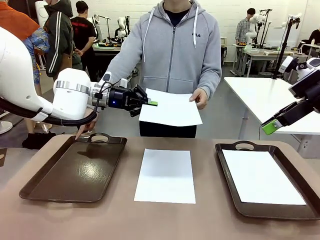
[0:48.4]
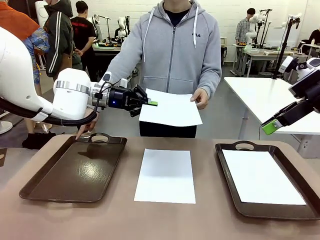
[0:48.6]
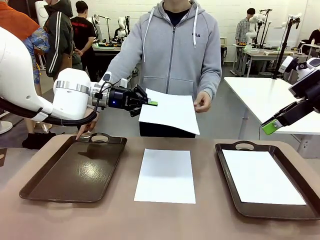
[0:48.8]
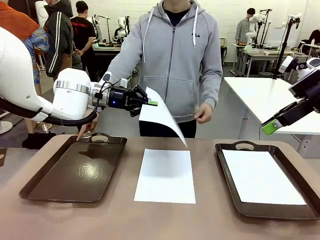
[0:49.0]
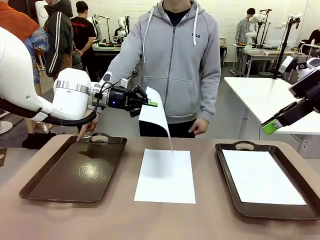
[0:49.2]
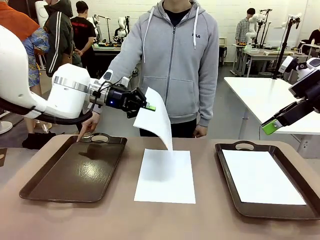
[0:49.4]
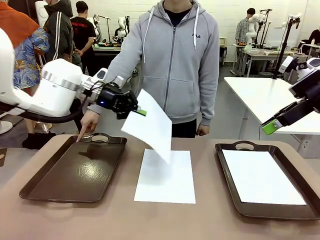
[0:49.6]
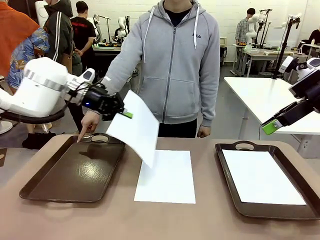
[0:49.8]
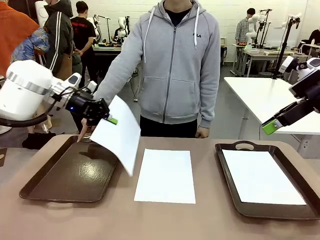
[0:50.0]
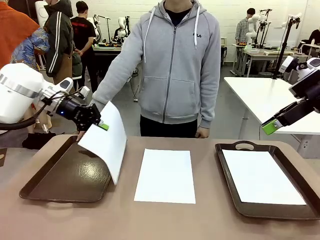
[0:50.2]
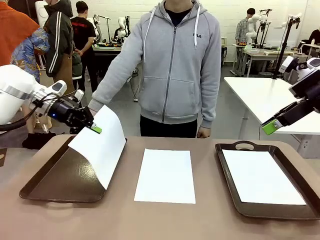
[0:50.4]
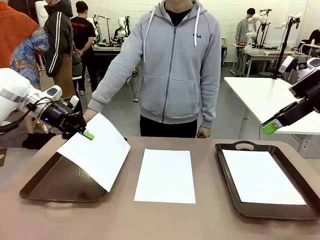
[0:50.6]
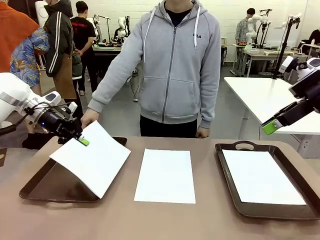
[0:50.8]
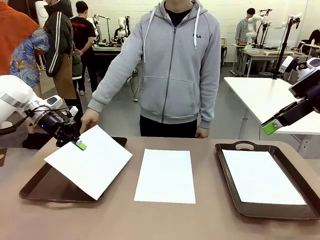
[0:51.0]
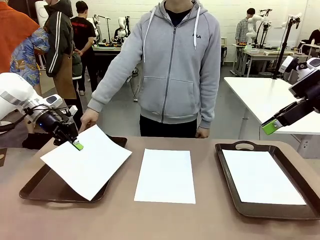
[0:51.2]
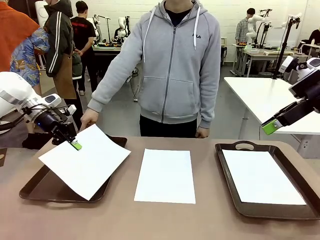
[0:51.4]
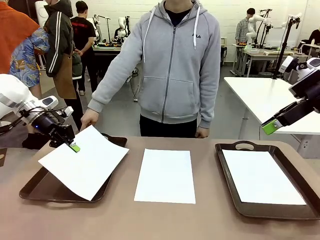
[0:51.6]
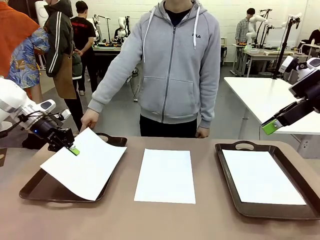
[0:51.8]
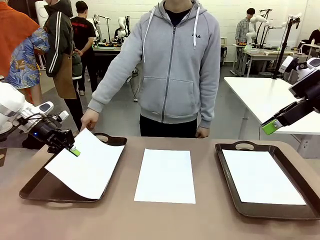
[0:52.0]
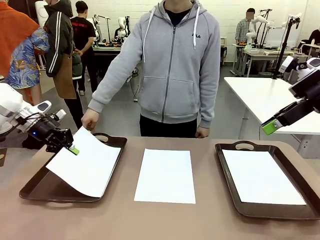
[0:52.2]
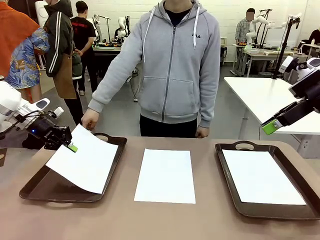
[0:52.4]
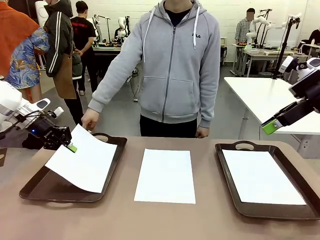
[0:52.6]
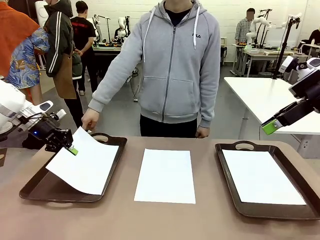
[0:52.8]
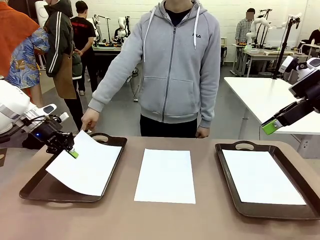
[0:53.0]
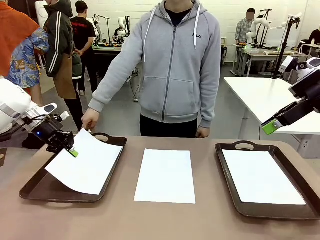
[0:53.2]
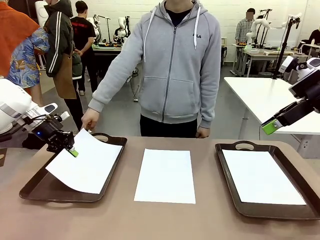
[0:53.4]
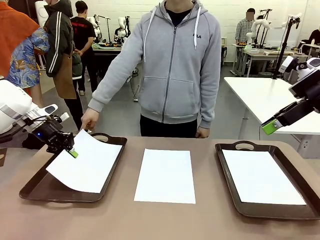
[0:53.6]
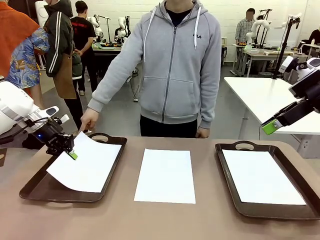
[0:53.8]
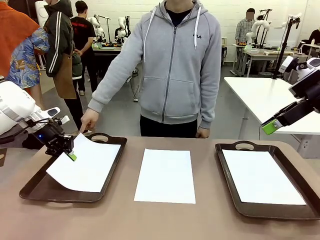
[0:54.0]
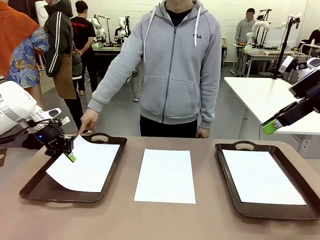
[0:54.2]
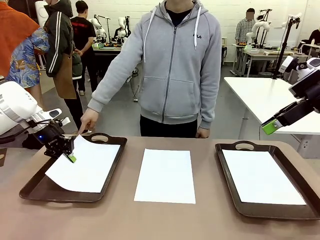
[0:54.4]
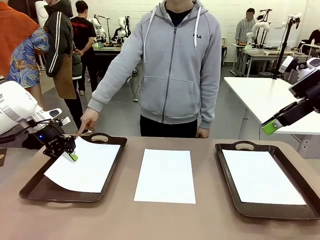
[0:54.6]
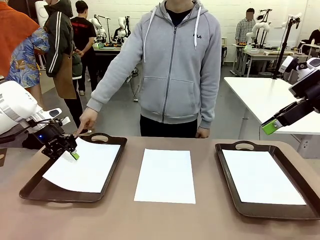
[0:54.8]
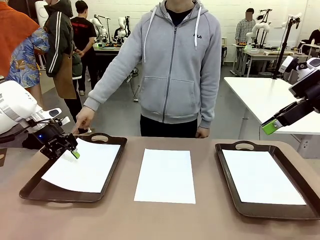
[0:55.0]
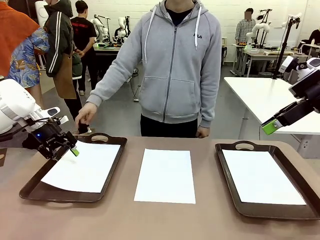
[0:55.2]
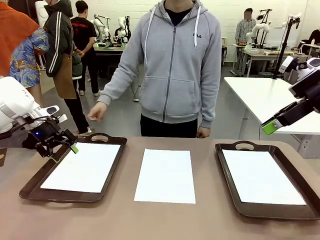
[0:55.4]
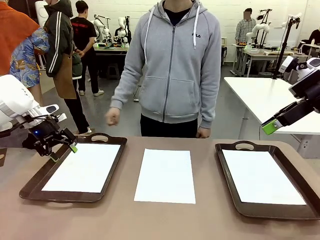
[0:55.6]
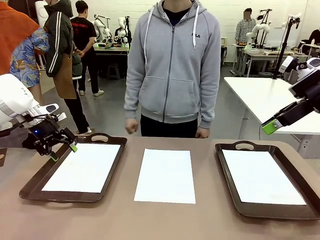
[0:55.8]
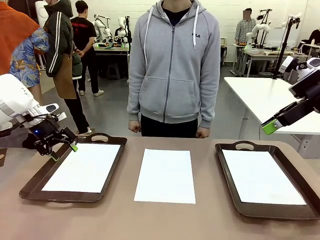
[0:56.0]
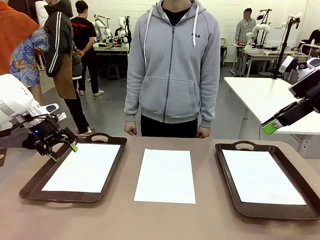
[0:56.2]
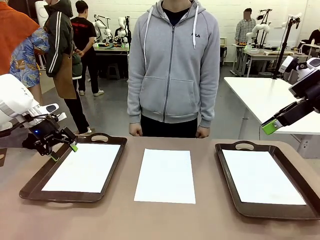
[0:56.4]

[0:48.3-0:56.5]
Task: Sort the A4 documents.
Robot: Place the A4 Paper in the designated Handle tray.

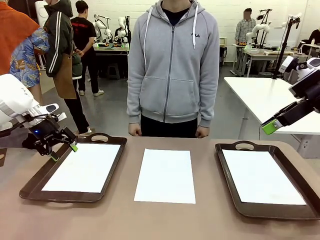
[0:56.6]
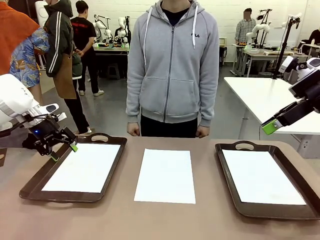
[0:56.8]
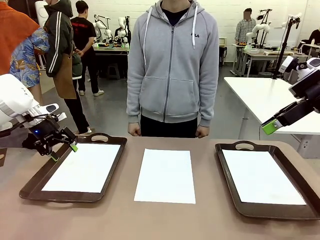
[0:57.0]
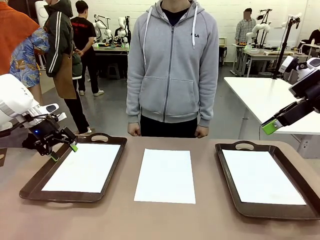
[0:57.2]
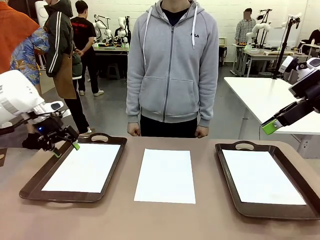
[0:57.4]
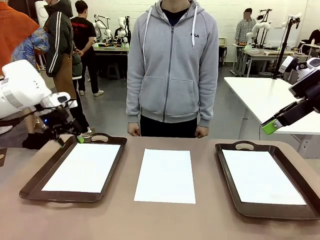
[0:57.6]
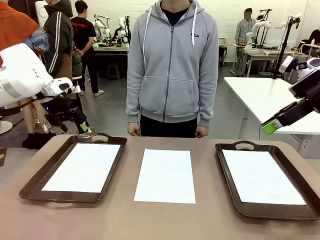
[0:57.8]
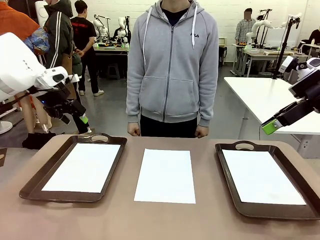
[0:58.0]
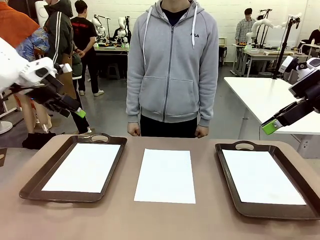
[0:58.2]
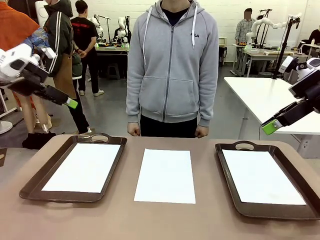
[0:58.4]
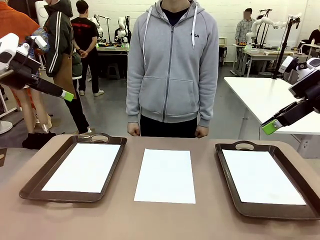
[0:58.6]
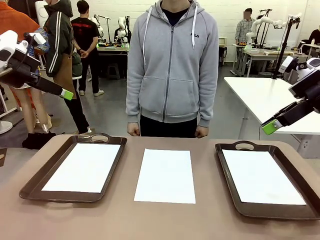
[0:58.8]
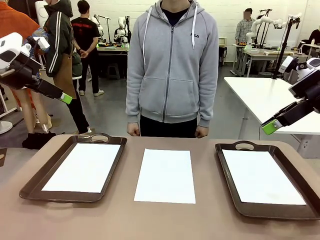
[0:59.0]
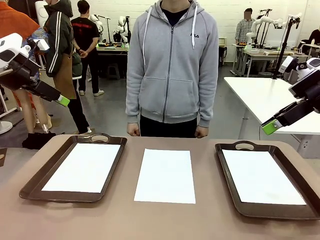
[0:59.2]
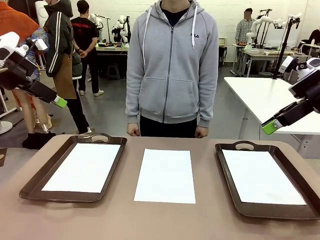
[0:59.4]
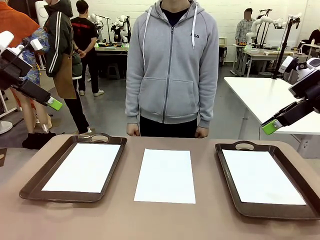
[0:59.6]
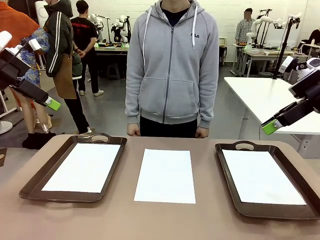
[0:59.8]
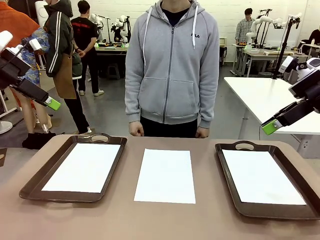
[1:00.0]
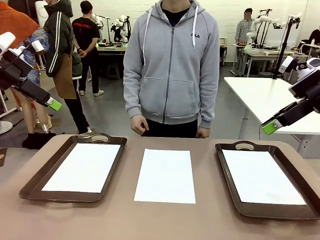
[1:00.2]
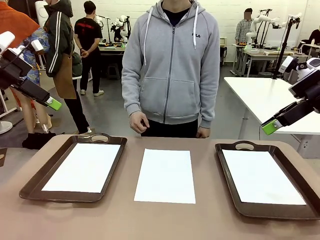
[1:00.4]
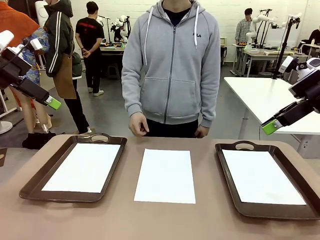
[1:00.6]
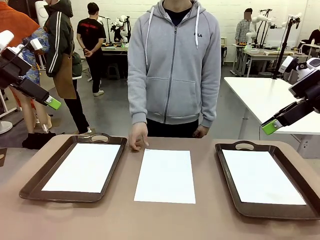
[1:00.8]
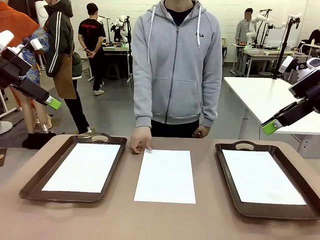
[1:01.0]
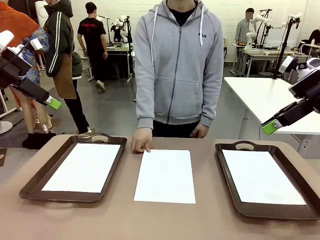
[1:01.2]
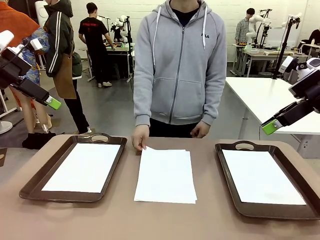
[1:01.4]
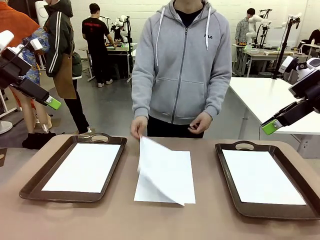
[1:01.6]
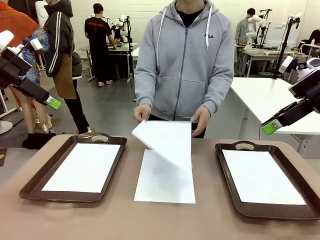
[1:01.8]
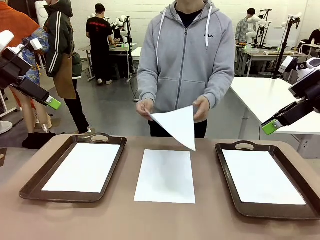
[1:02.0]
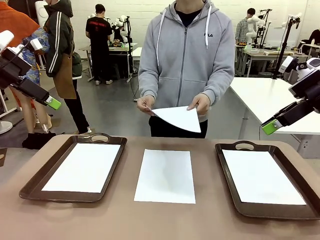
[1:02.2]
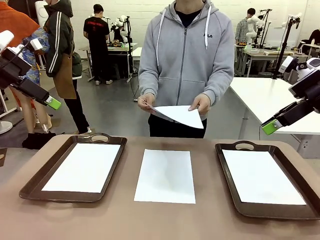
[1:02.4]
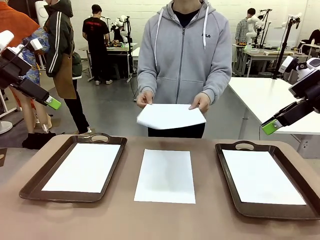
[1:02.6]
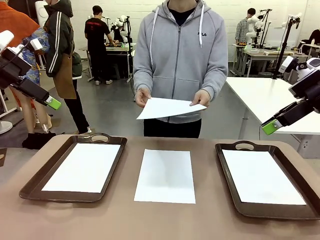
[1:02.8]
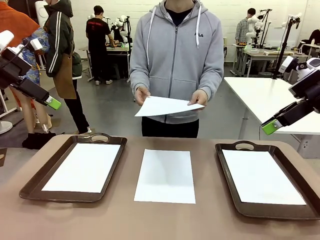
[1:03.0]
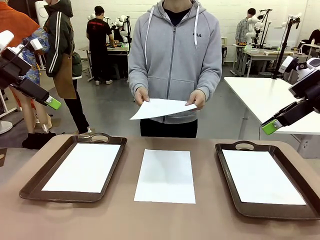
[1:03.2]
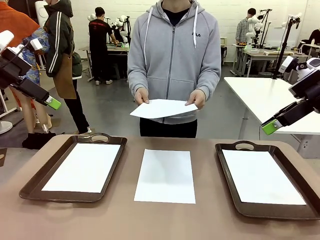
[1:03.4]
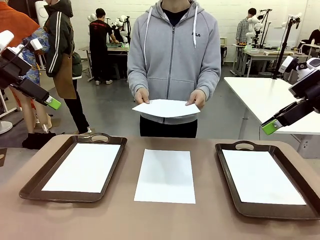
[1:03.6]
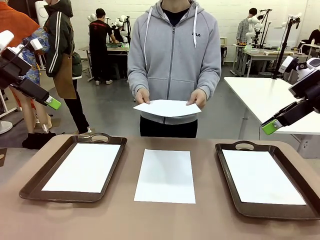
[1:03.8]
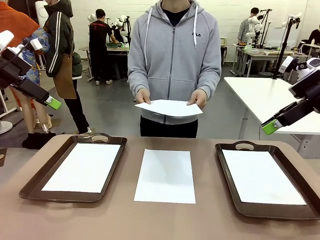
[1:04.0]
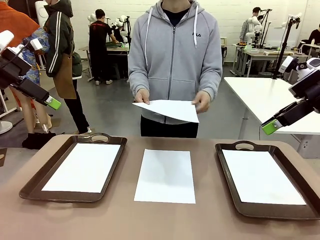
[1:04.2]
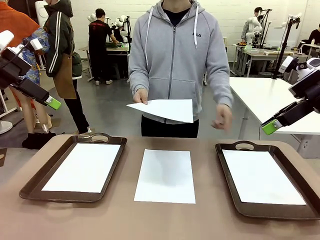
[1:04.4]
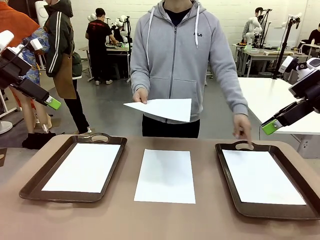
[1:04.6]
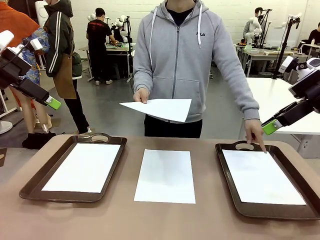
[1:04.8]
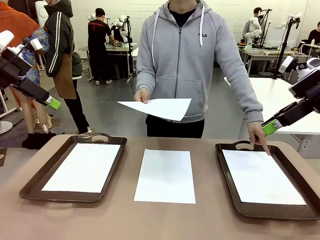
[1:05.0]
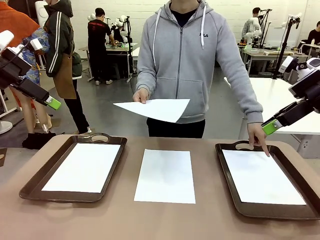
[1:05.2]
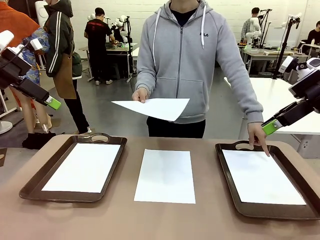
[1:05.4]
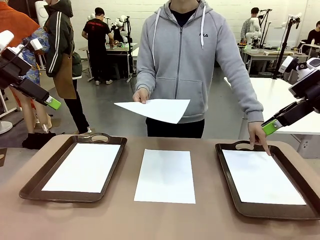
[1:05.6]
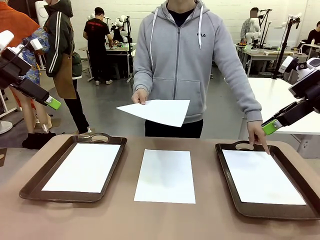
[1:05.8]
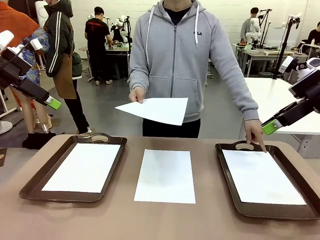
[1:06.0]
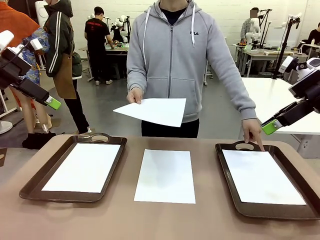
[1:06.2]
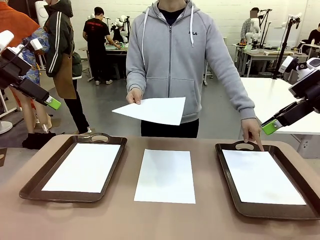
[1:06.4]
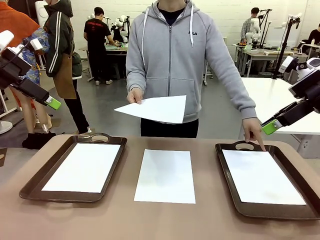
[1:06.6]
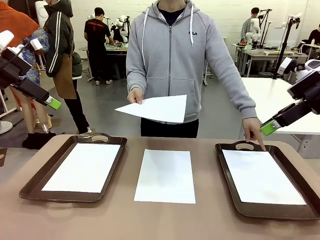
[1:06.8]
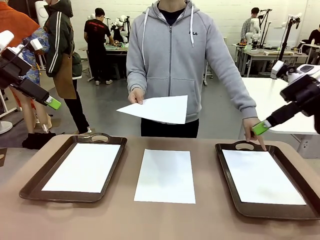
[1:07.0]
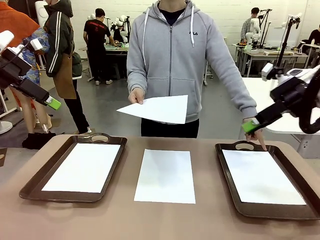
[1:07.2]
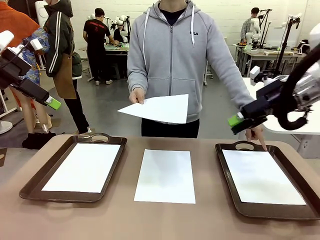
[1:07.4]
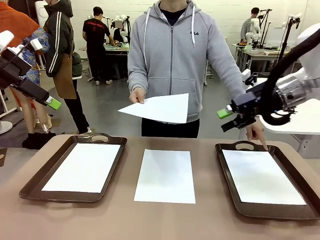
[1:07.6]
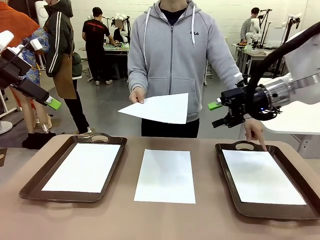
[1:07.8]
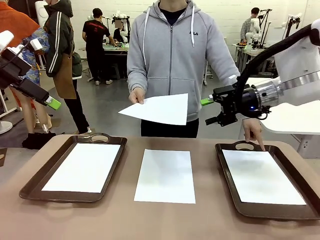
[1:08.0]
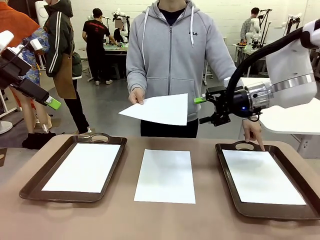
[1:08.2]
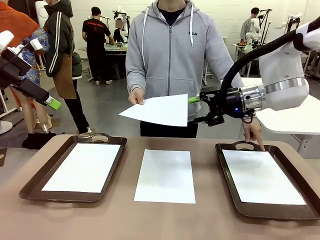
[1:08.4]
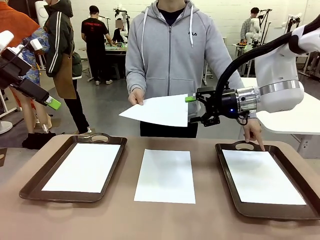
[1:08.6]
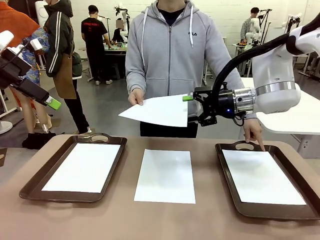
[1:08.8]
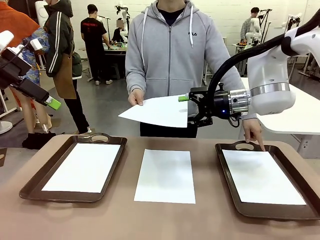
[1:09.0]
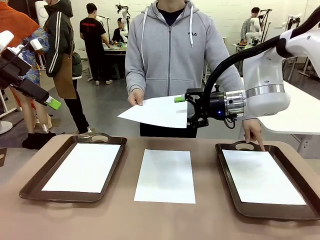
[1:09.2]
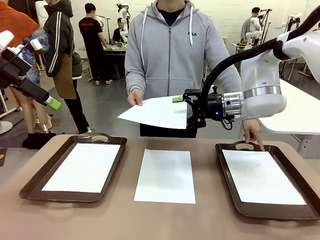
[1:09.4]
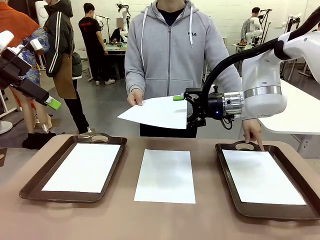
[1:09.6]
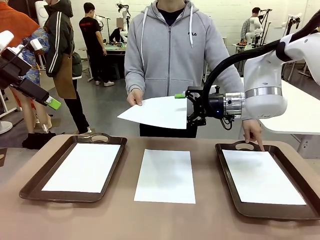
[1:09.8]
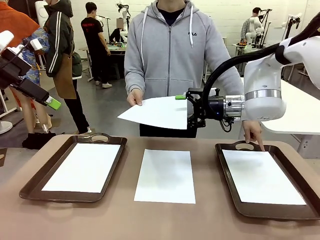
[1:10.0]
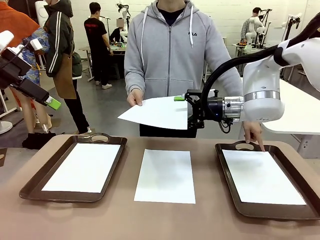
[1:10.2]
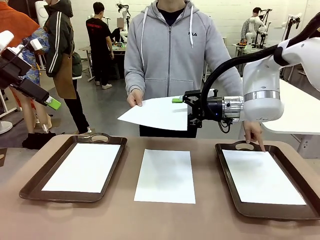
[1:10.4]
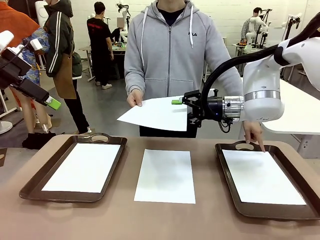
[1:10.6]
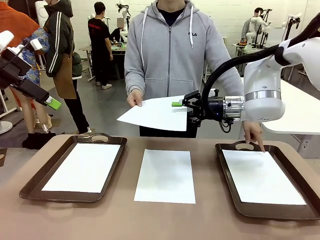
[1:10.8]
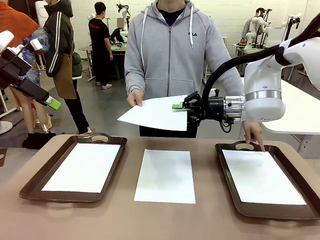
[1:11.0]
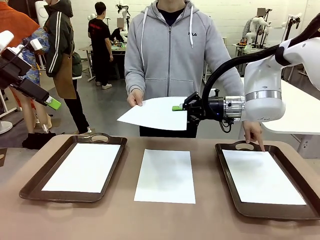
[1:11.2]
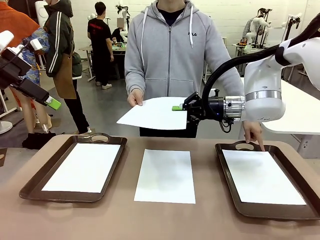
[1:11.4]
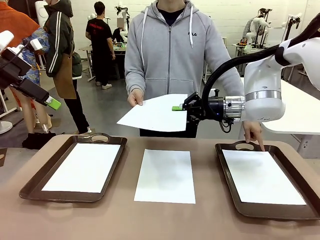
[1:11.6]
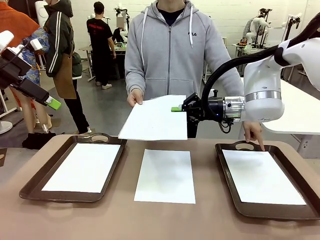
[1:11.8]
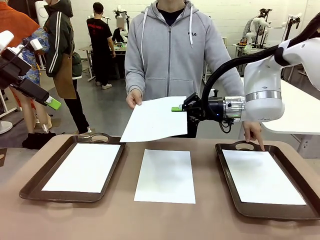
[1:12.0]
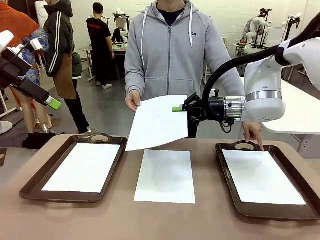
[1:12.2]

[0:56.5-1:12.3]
Robot: Receive the A4 Paper.
Person: Point the randomly selected tray with the other hand.
